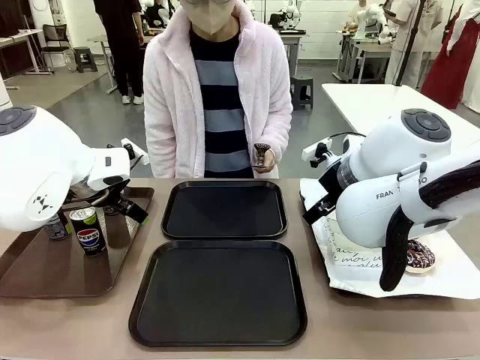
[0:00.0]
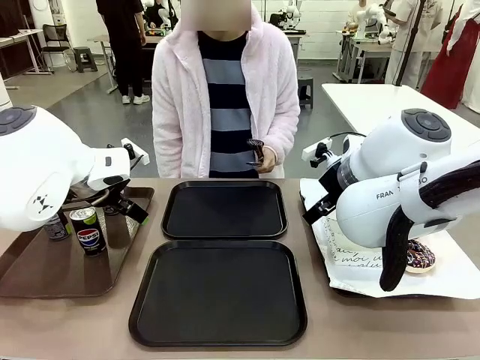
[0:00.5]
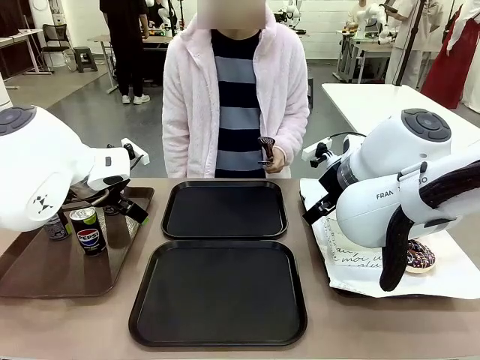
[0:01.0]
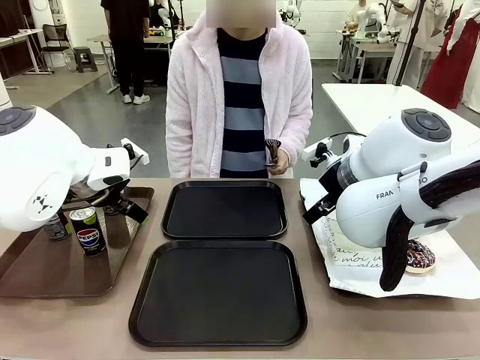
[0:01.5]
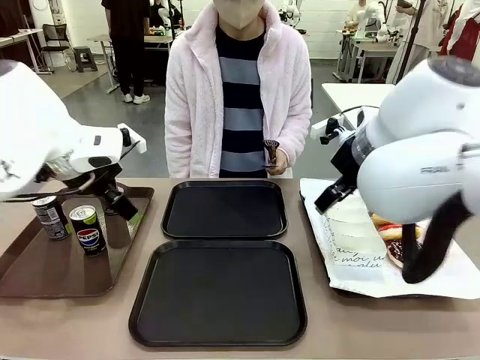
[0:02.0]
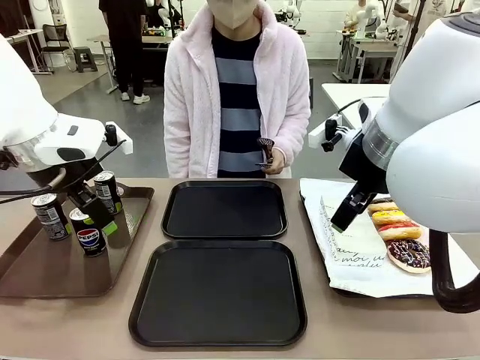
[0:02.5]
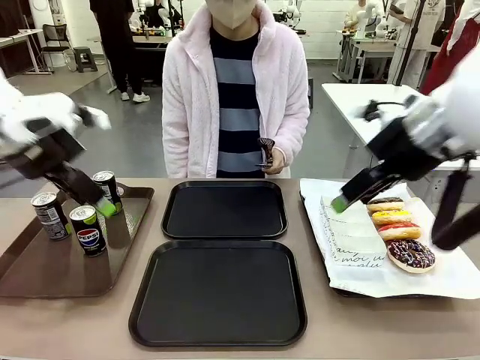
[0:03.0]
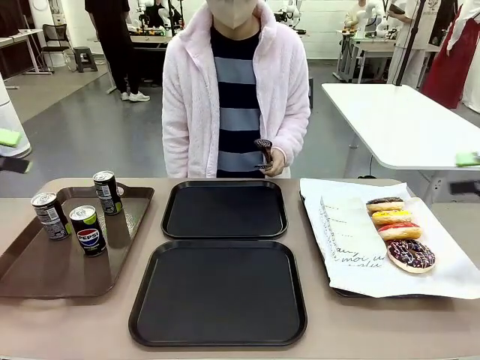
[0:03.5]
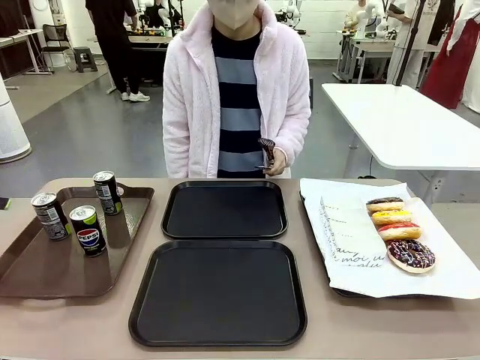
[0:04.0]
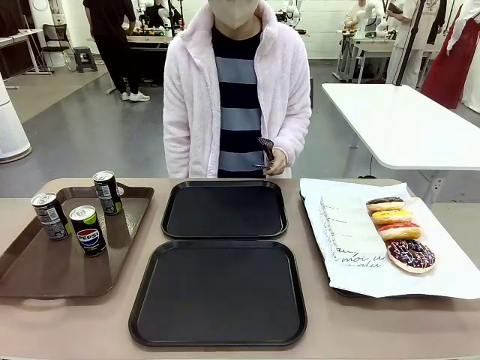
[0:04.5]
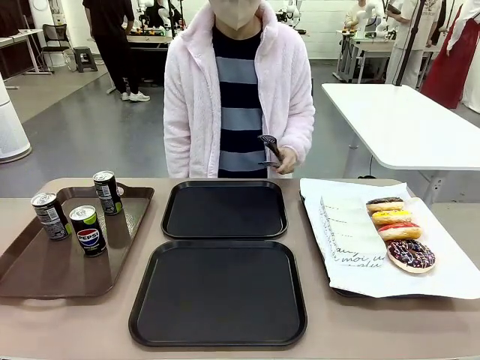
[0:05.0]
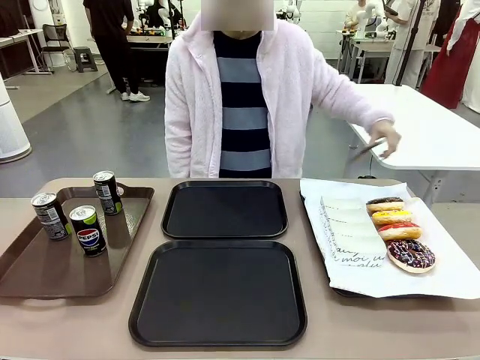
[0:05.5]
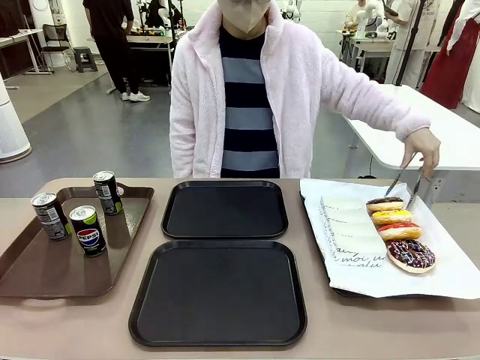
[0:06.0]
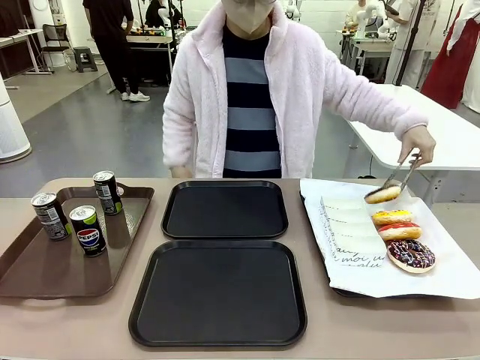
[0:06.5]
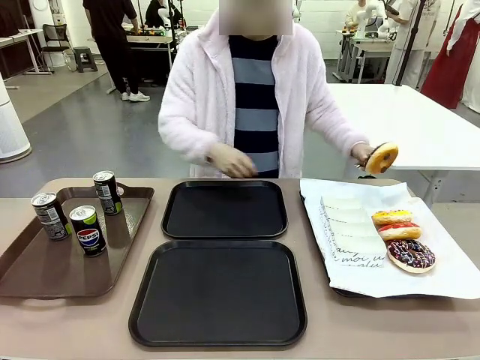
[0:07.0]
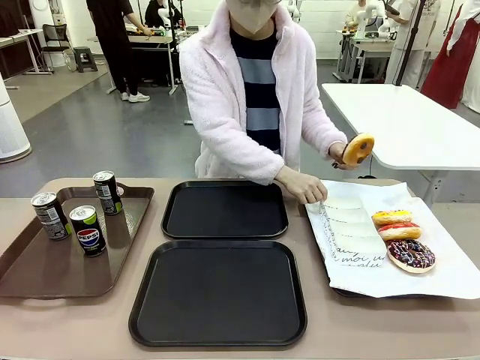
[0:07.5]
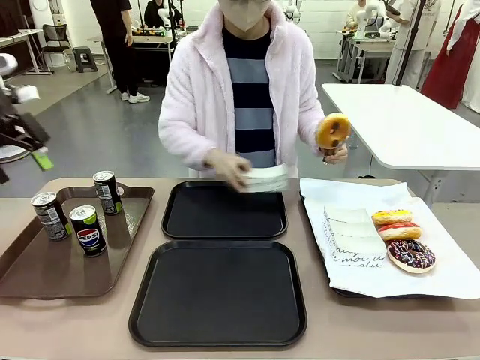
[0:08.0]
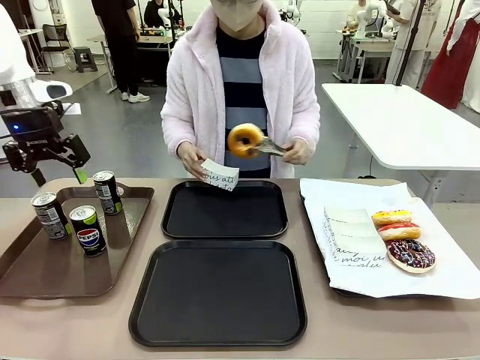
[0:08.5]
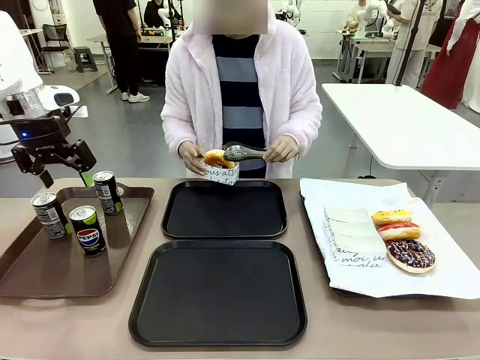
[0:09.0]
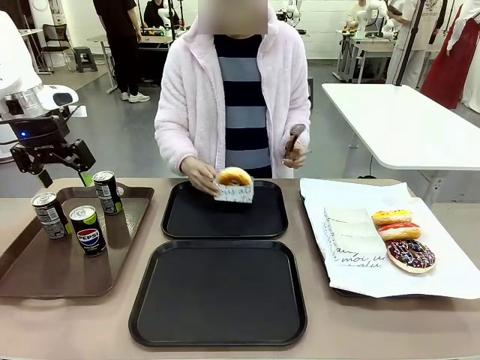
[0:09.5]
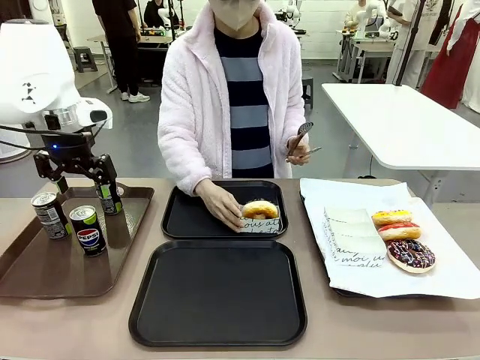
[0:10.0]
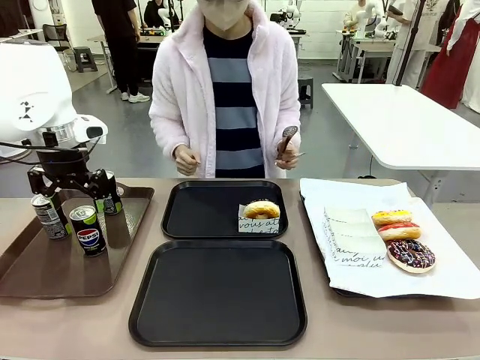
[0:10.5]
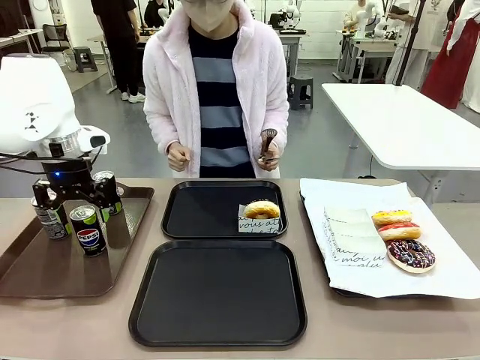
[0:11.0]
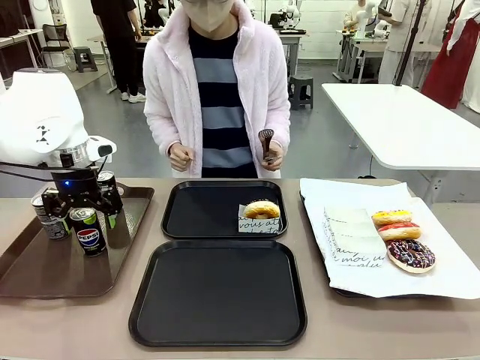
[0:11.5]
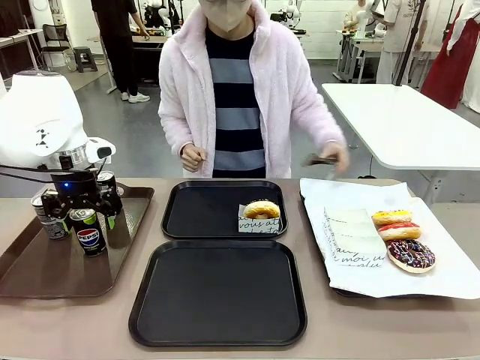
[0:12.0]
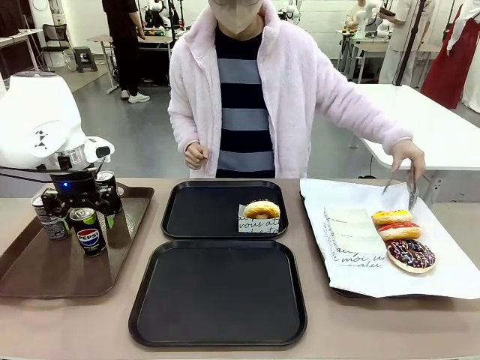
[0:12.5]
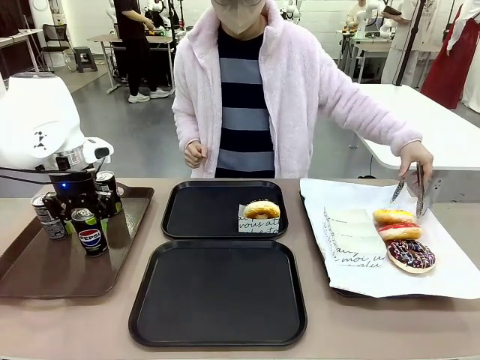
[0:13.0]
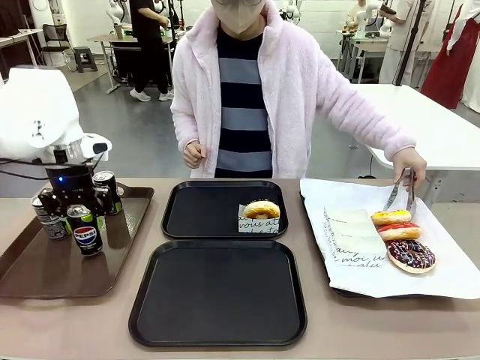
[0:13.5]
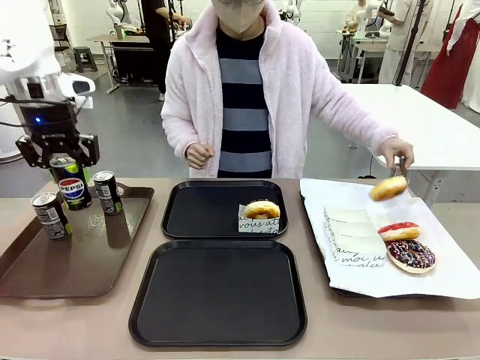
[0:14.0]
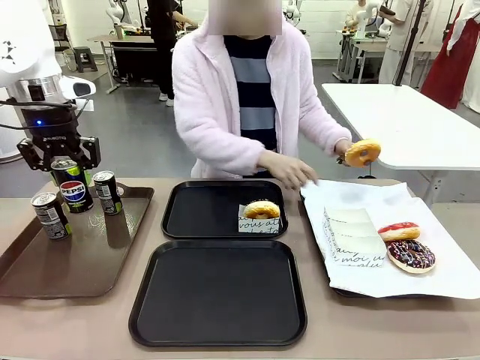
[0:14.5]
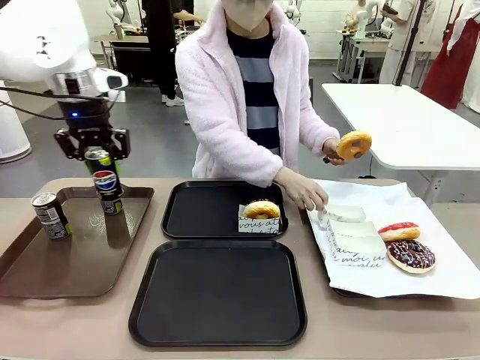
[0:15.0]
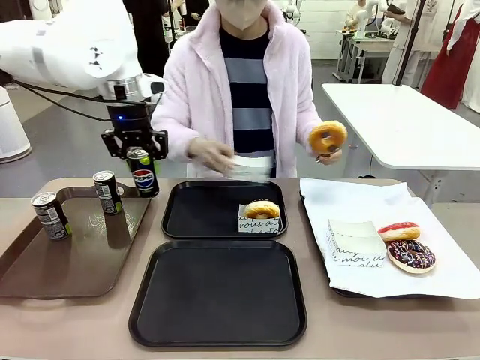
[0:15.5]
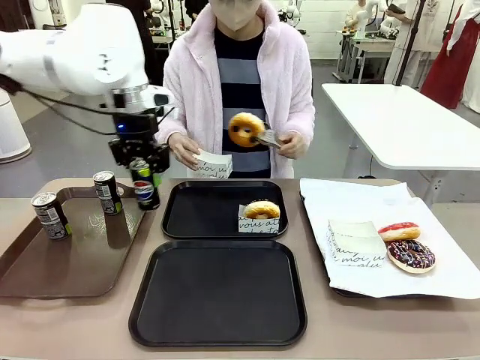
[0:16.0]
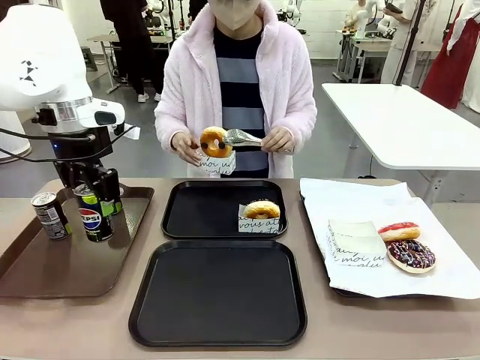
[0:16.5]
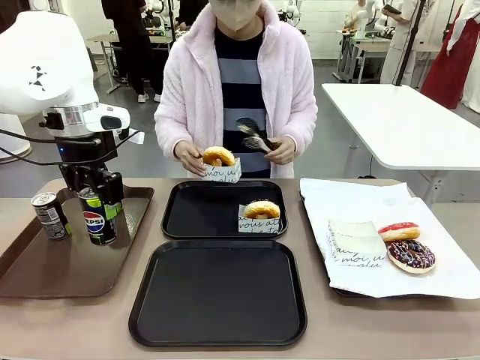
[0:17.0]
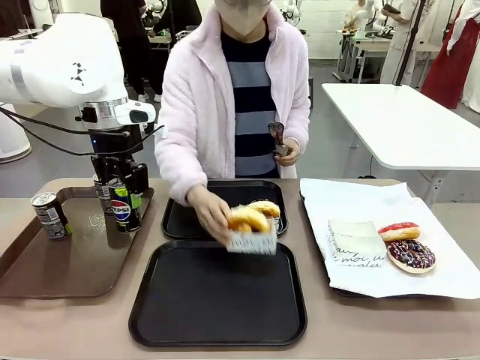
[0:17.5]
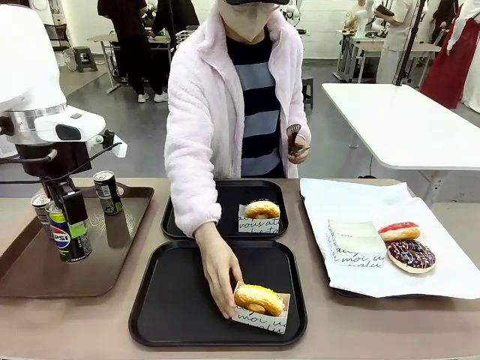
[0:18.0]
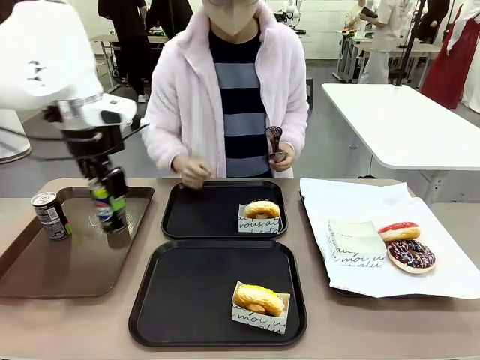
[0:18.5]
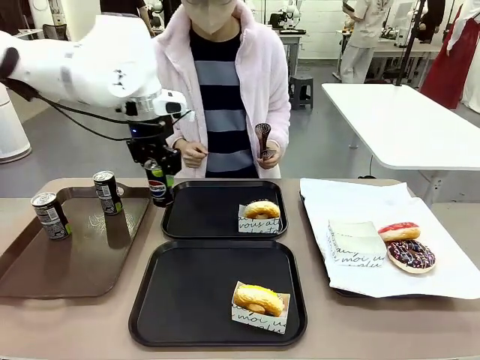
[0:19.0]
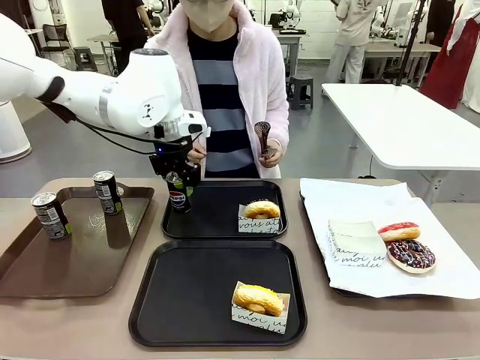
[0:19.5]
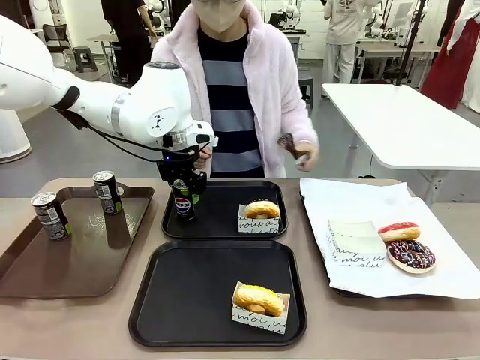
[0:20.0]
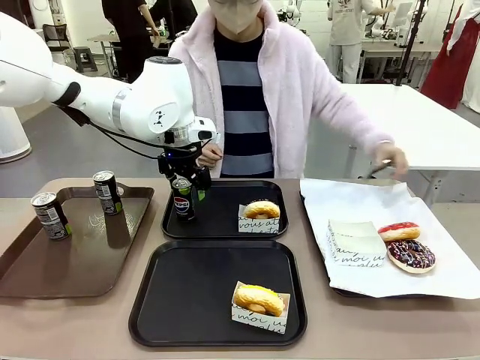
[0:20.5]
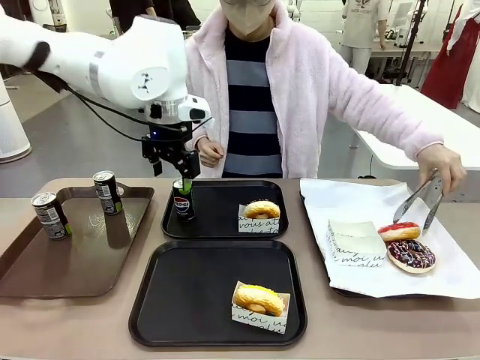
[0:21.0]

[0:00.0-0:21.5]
Task: Set up donuts and drinks on trays.
Robot: Pick up one Pepsi coke and place it on the Flat Tray.
Person: Pick up one donut with tongs, place it in the donut tray, and then place the donut tray on the flat tray.
